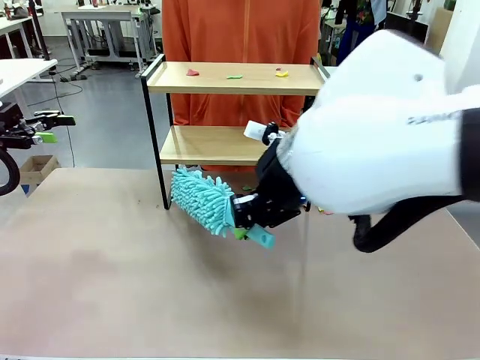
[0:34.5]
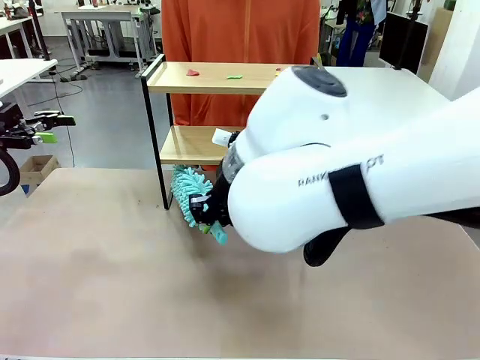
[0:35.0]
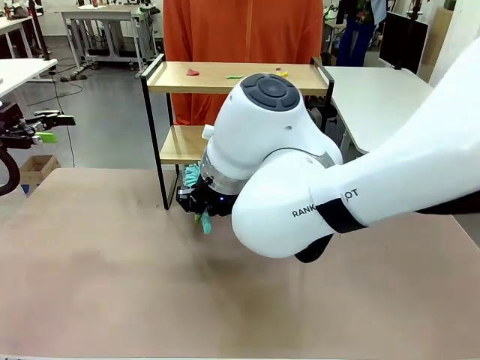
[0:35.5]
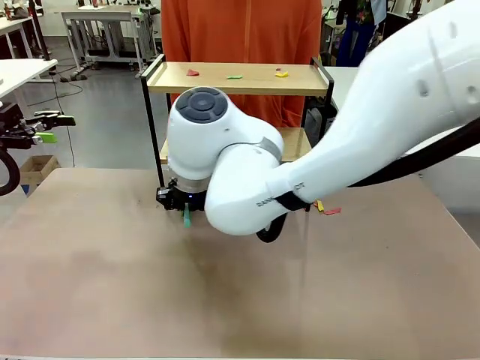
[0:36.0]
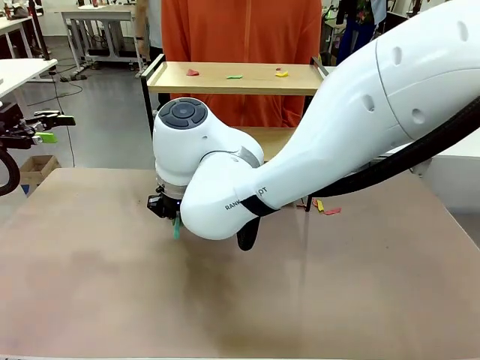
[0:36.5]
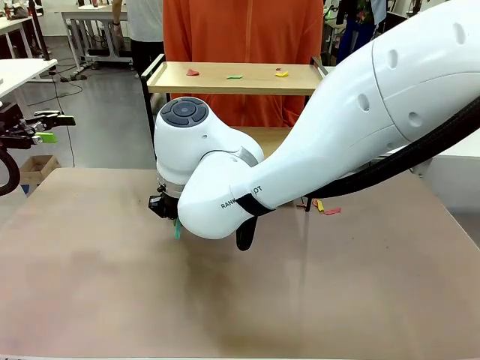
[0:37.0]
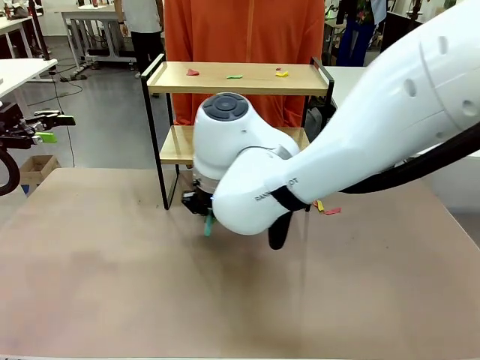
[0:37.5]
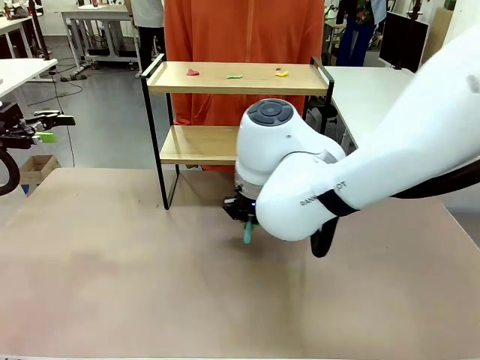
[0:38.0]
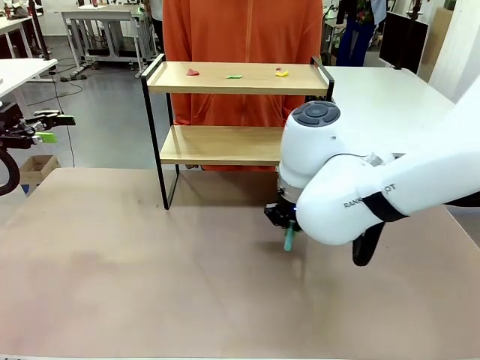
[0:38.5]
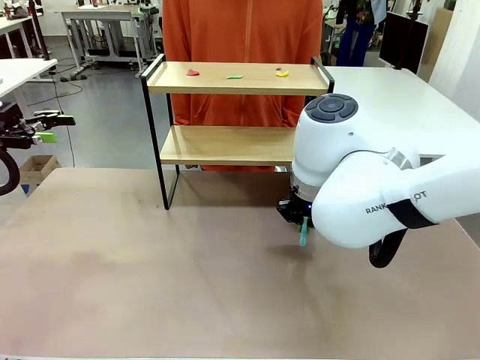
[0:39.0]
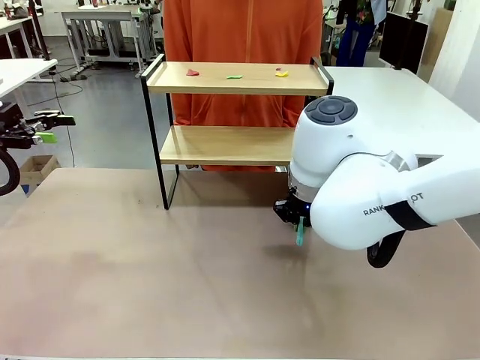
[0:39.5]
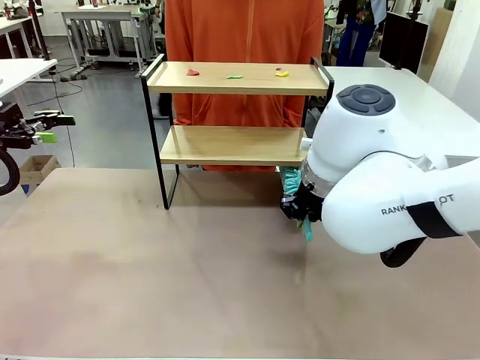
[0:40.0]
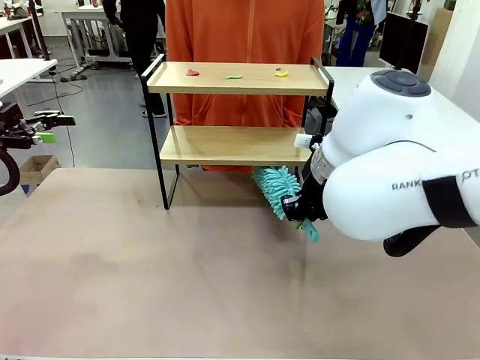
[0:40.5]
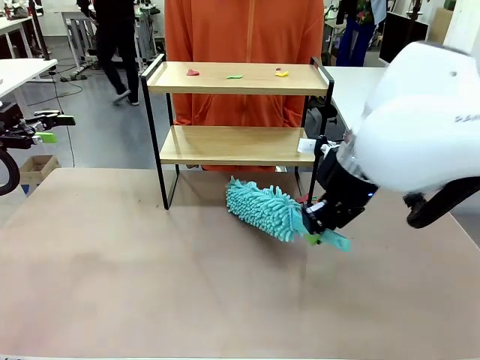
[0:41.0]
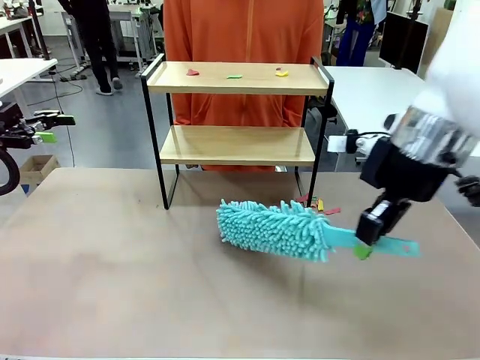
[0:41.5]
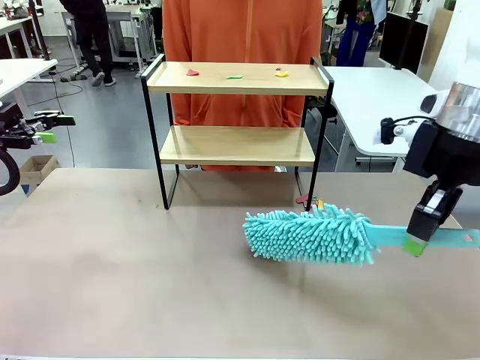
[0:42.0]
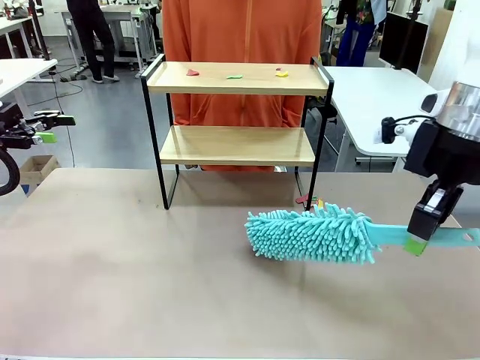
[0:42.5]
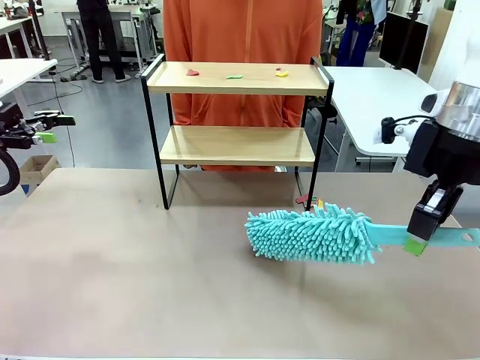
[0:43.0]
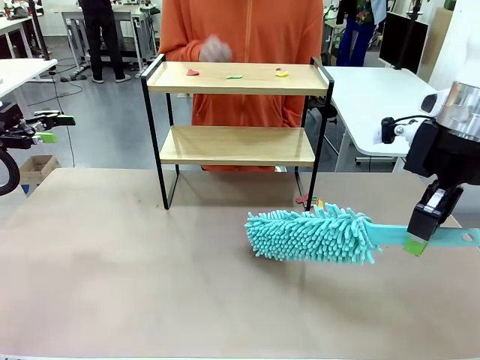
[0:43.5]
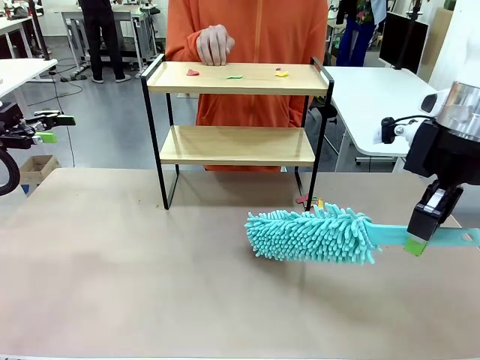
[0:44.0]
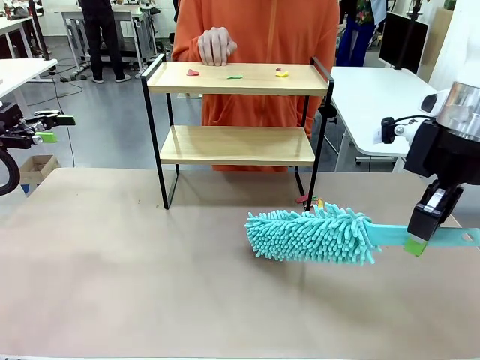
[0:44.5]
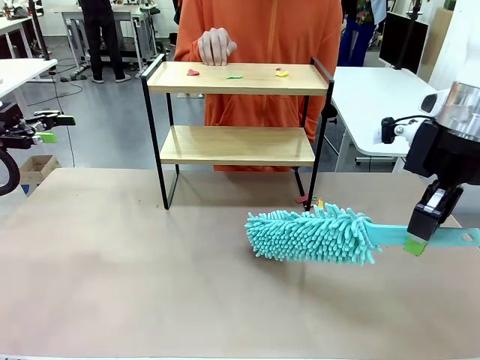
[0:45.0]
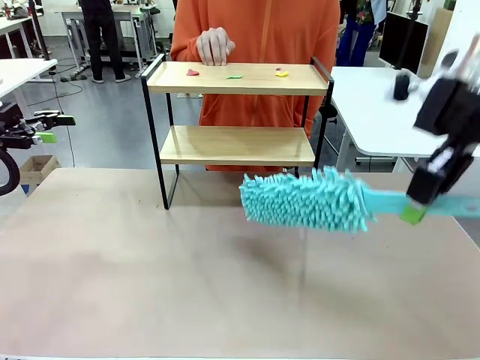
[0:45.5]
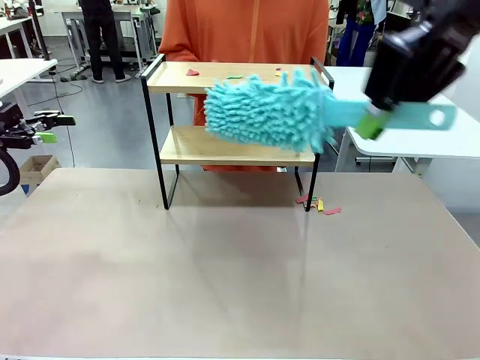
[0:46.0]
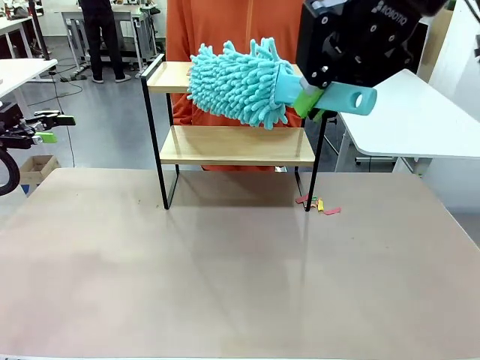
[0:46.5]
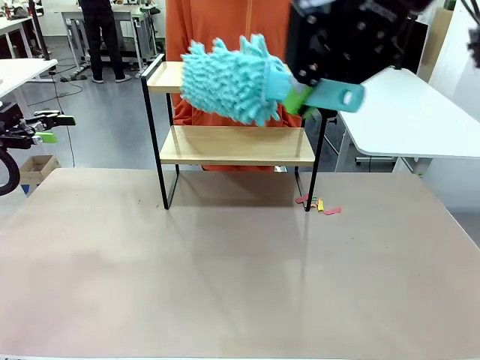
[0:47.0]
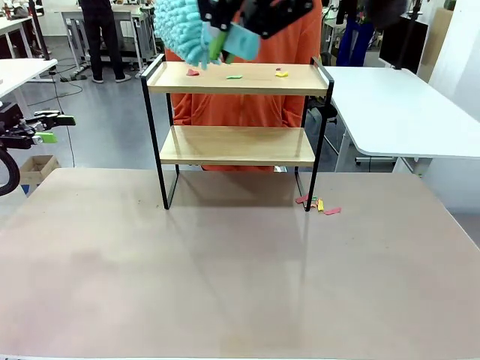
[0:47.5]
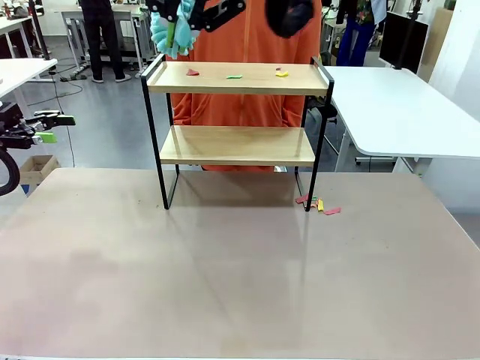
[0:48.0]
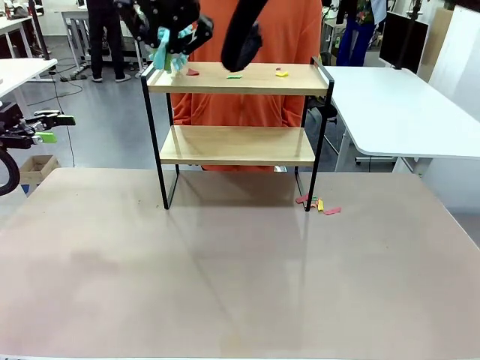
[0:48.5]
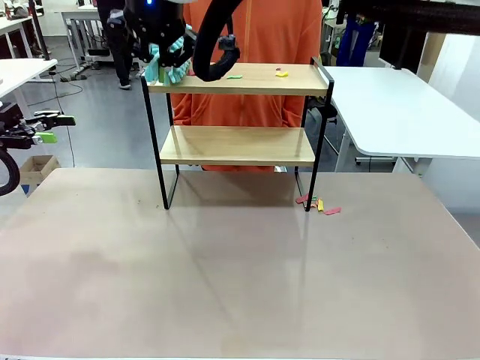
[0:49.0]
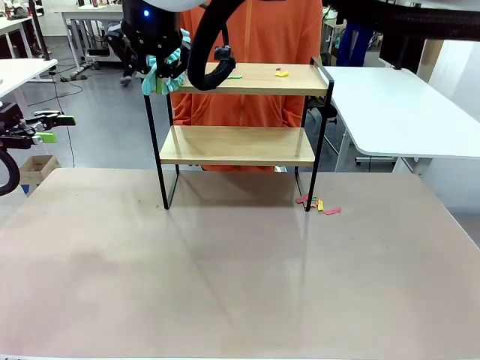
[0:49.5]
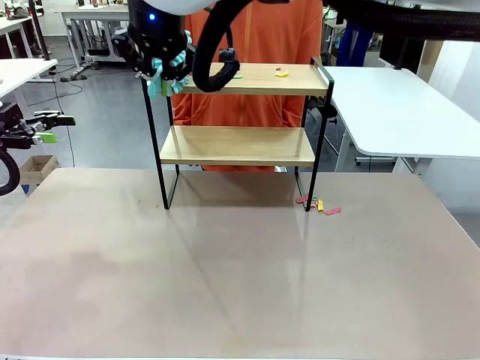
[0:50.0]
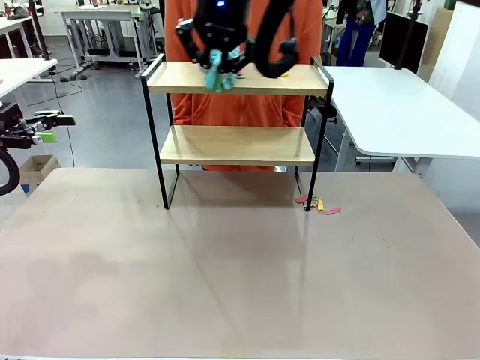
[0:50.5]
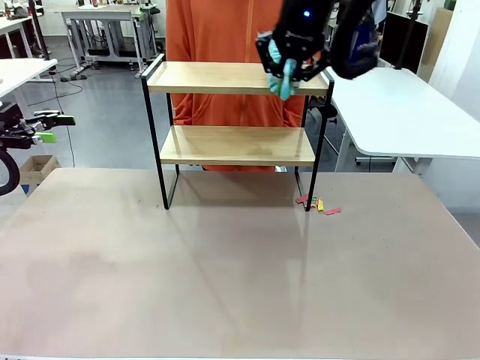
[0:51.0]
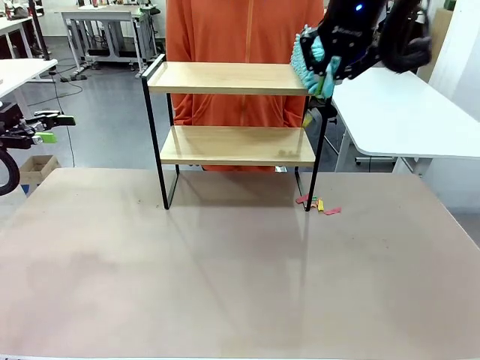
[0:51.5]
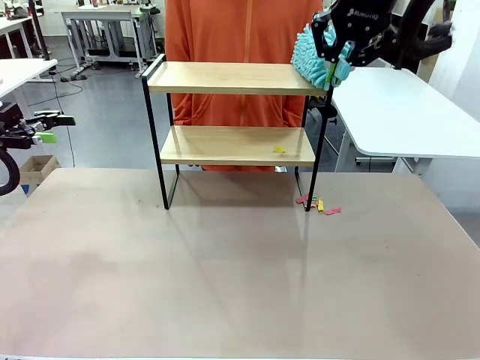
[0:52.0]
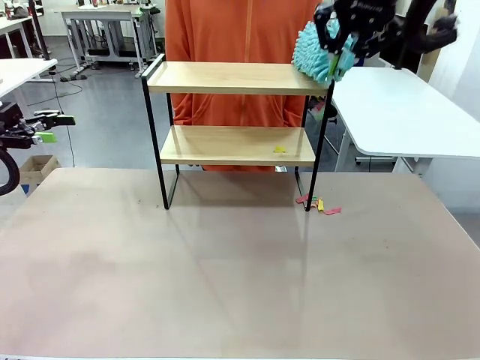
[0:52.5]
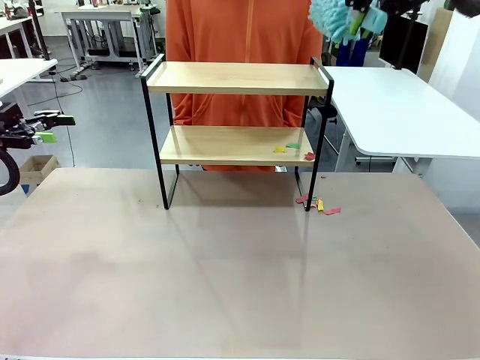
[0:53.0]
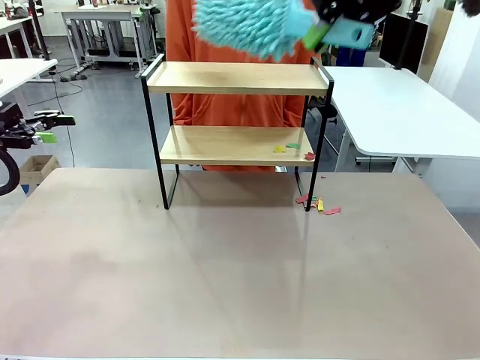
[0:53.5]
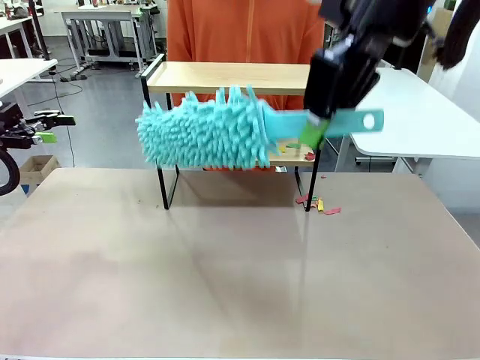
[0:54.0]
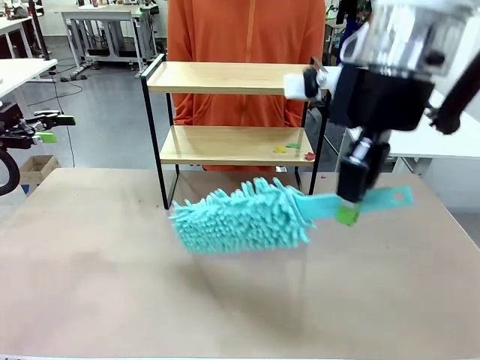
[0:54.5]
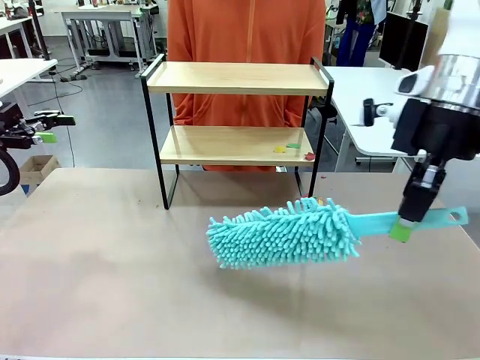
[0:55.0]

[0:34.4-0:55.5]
Task: Clean the shelf.
Robot: Clean the specific section of the Shelf indicated by the human with the Duster.
Person: Point a remaining section of the Shelf.

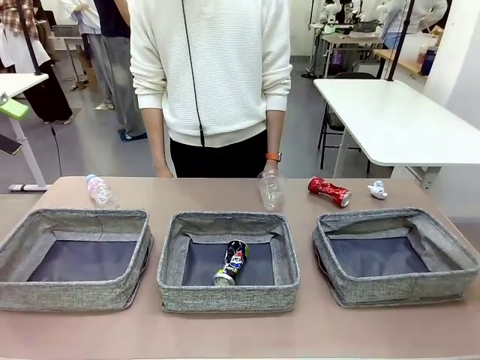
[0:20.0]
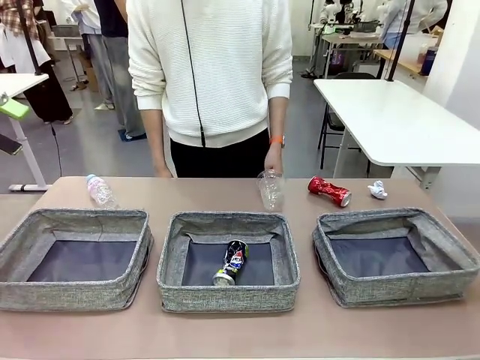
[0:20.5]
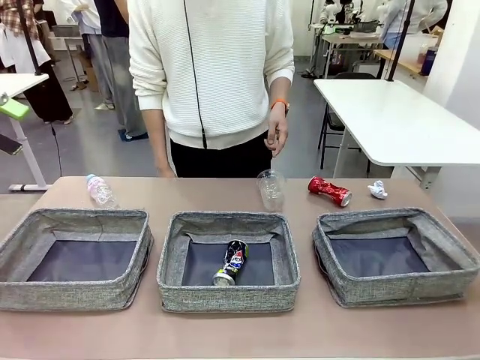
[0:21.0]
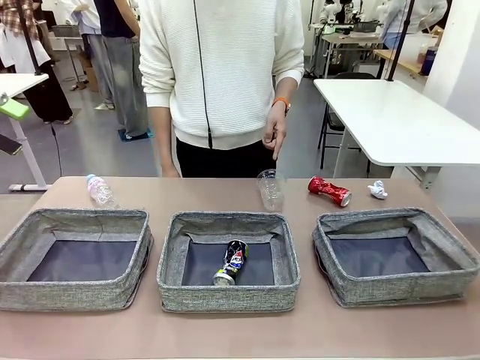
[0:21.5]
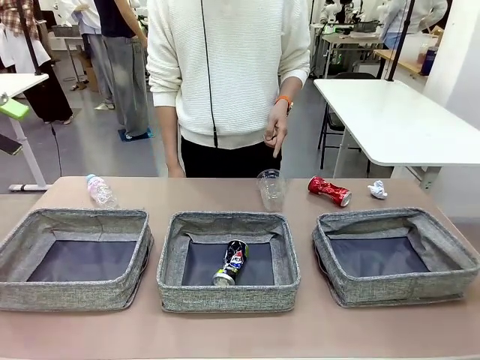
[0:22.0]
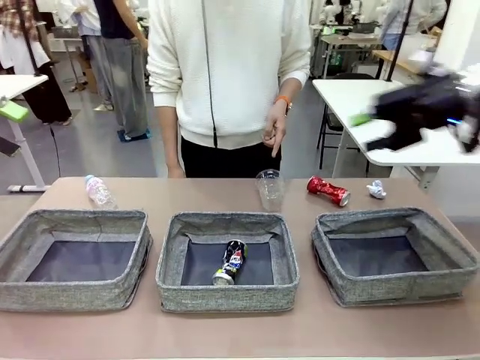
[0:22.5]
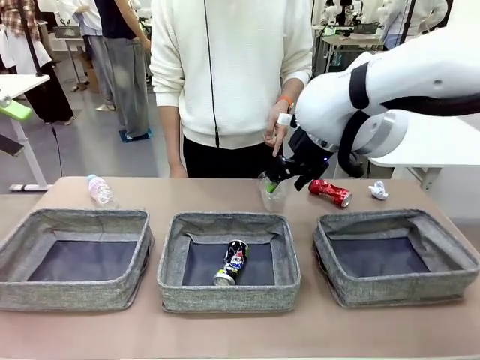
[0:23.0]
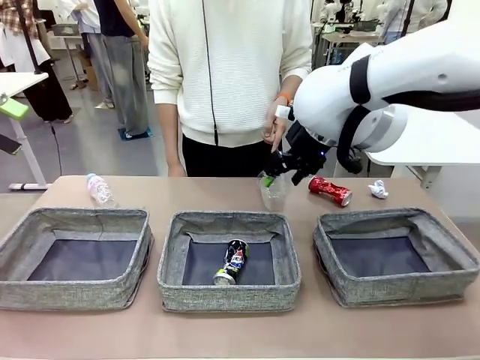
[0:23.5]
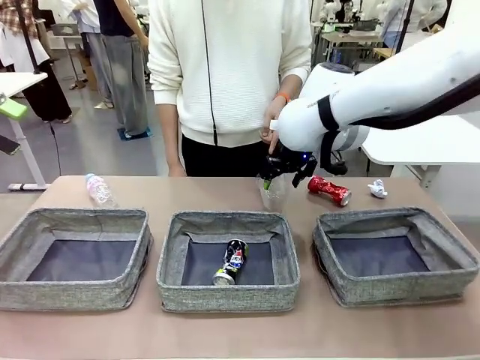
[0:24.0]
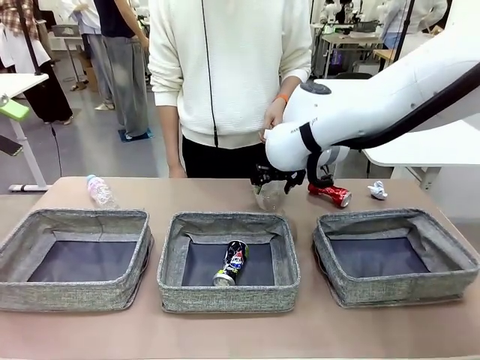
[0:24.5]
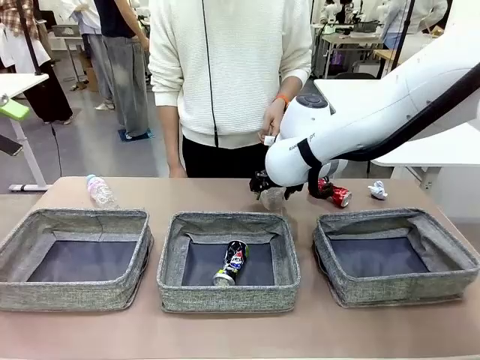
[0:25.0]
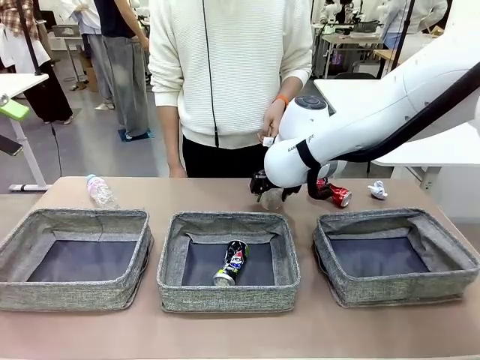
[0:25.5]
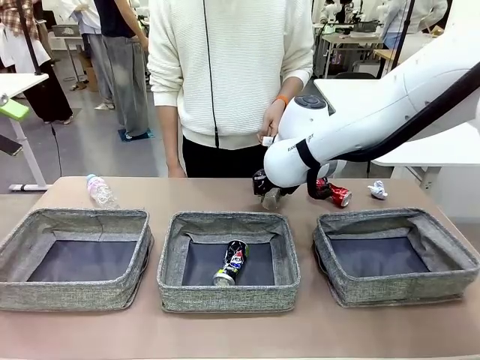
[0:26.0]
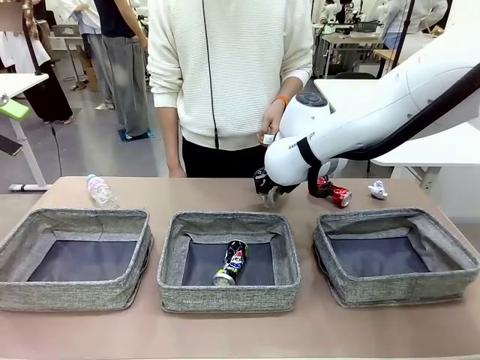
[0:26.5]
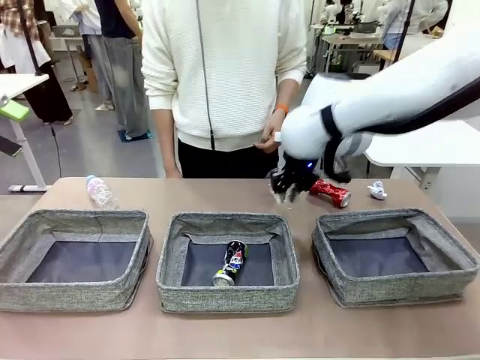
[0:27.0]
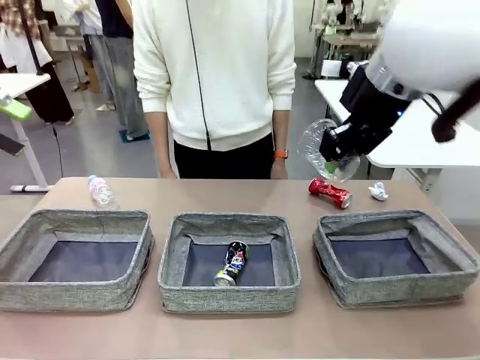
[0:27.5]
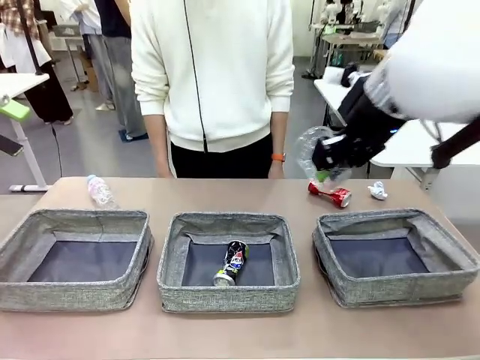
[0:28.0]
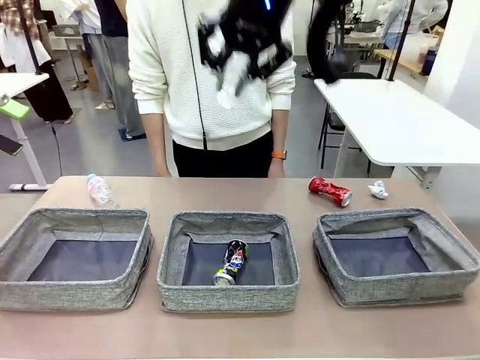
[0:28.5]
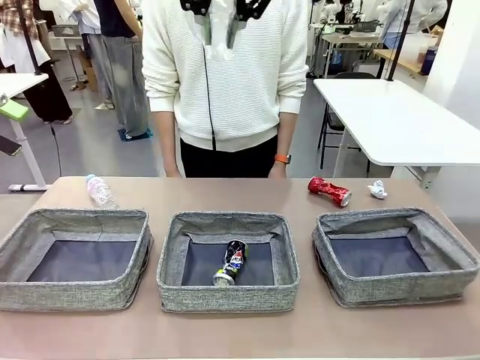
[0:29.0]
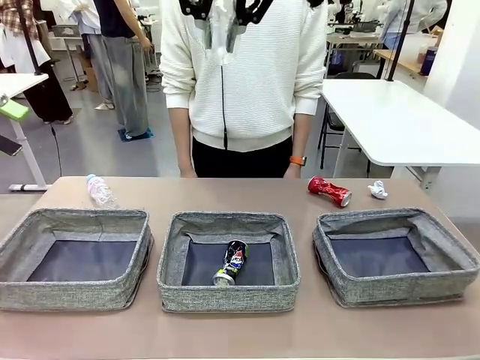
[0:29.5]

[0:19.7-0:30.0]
Task: Sort the waste into the appropriate baskets.
Robot: Pick up the waste item pointed out by the person.
Person: Points to one piece of trash on the table.
